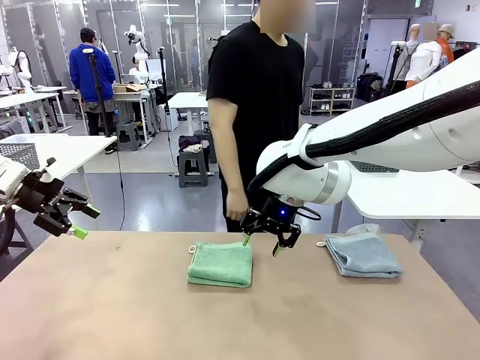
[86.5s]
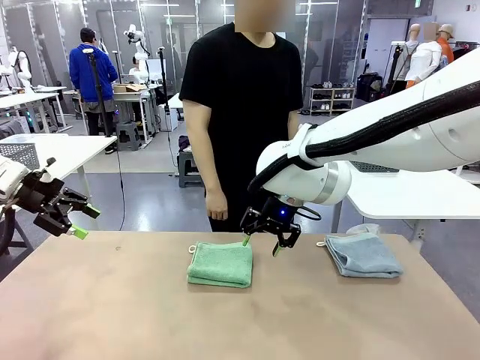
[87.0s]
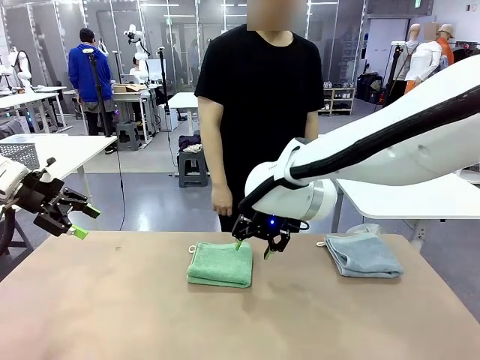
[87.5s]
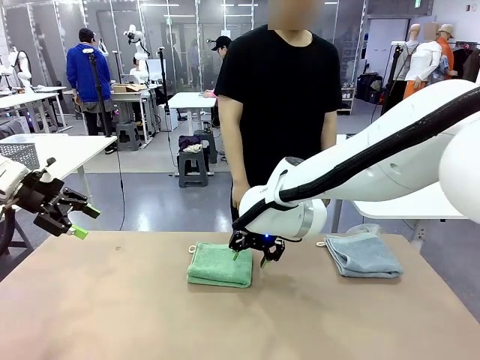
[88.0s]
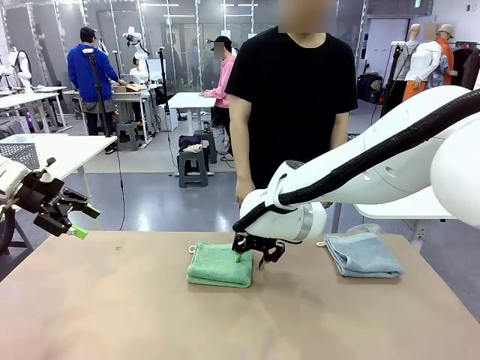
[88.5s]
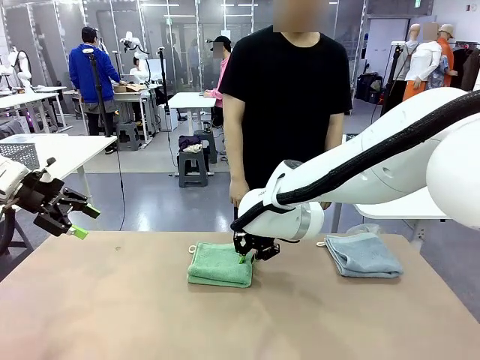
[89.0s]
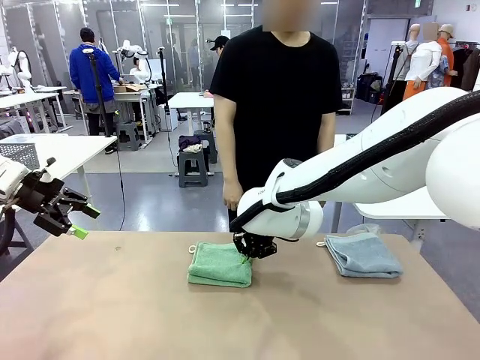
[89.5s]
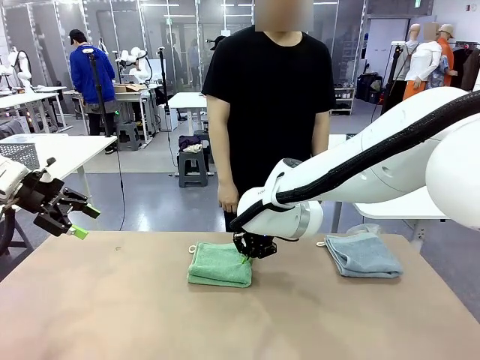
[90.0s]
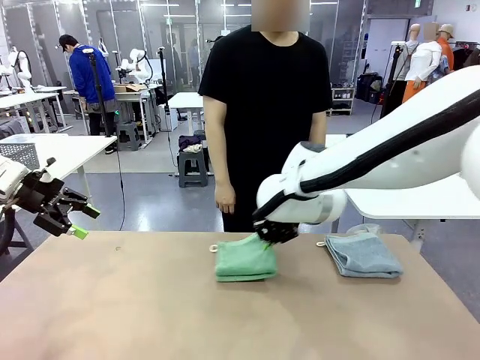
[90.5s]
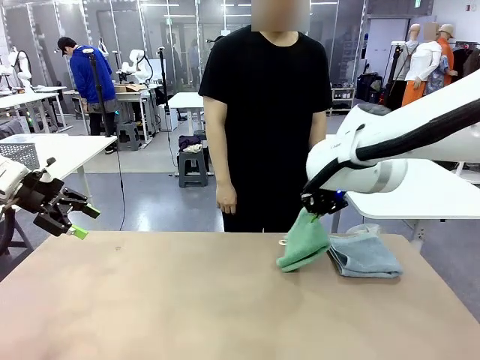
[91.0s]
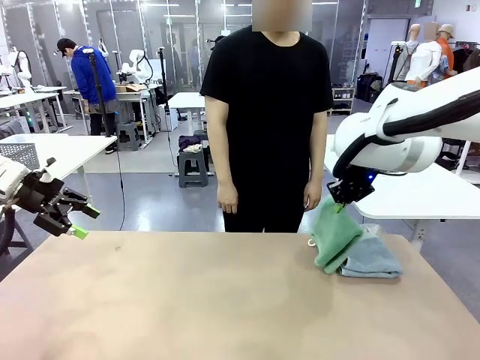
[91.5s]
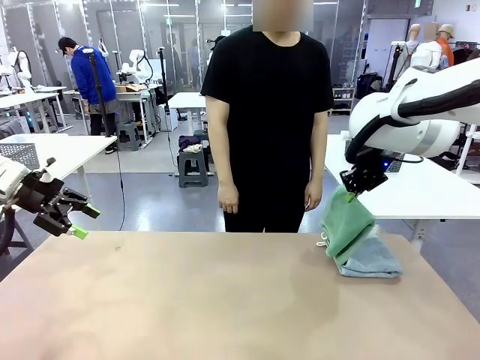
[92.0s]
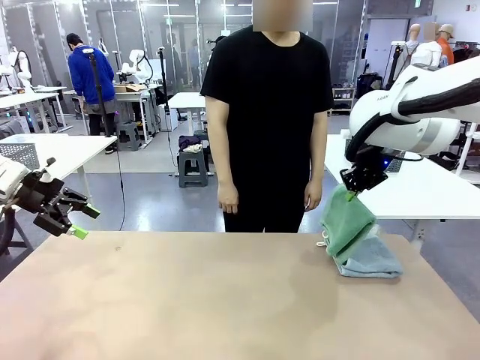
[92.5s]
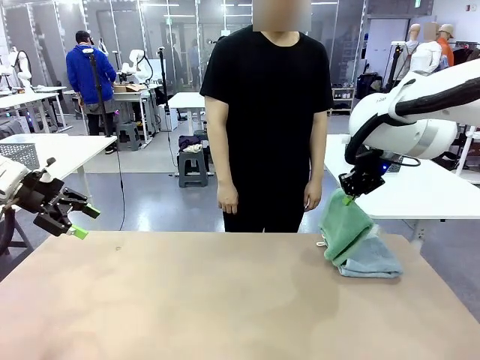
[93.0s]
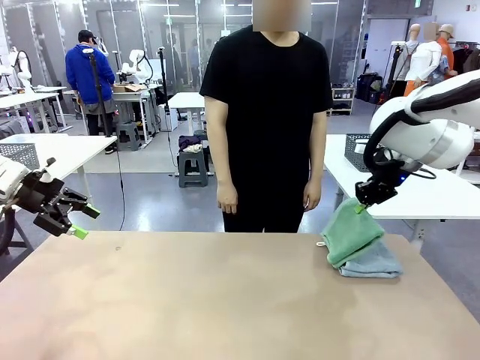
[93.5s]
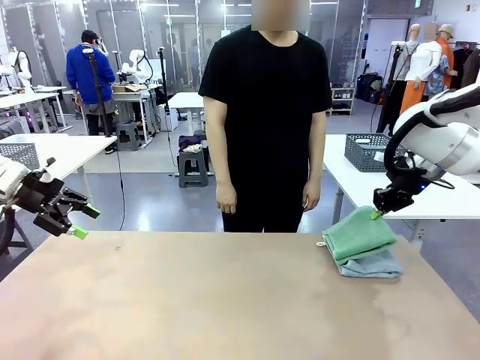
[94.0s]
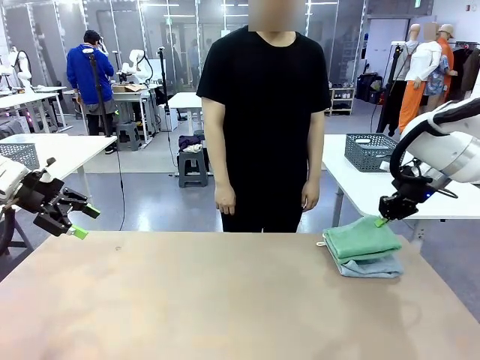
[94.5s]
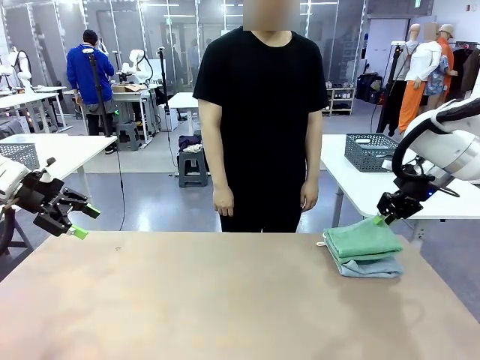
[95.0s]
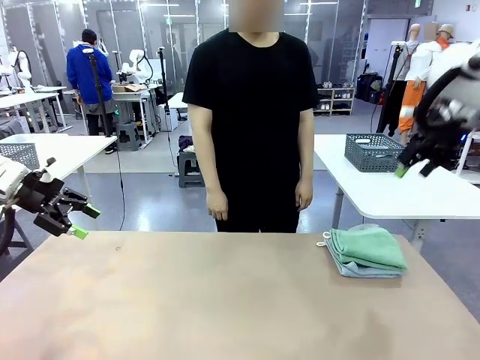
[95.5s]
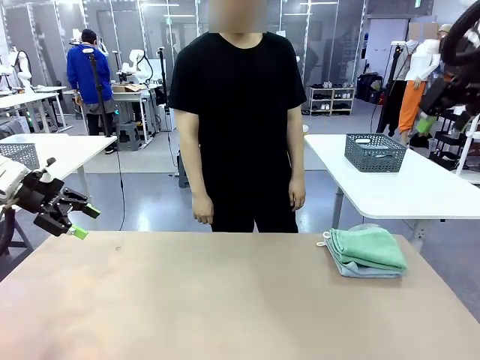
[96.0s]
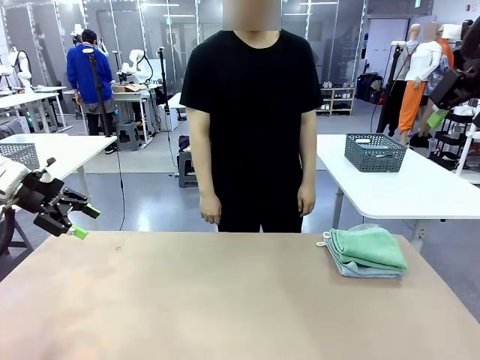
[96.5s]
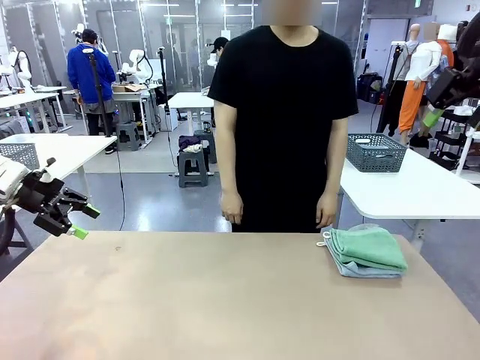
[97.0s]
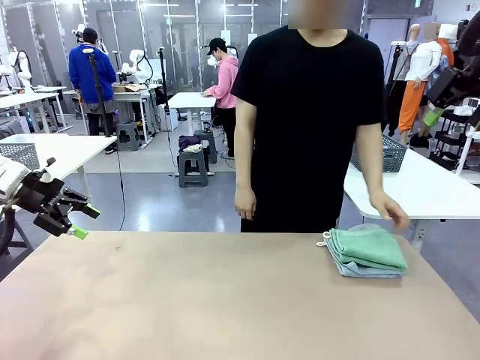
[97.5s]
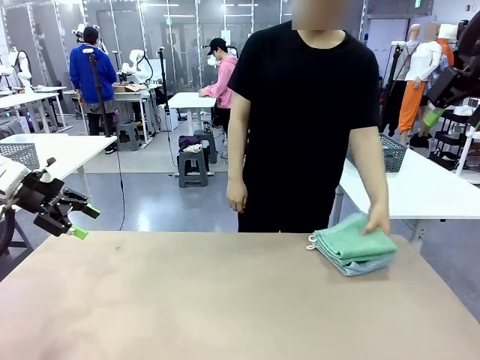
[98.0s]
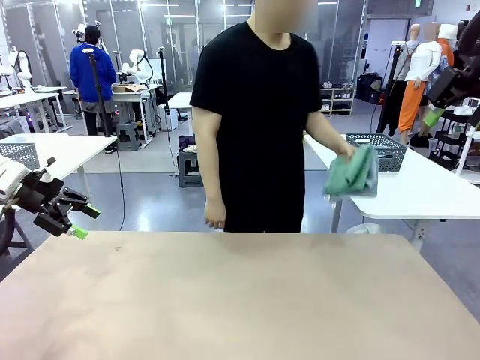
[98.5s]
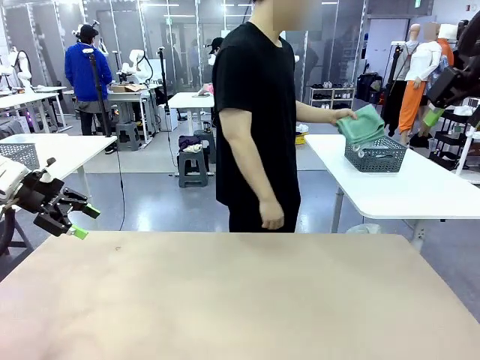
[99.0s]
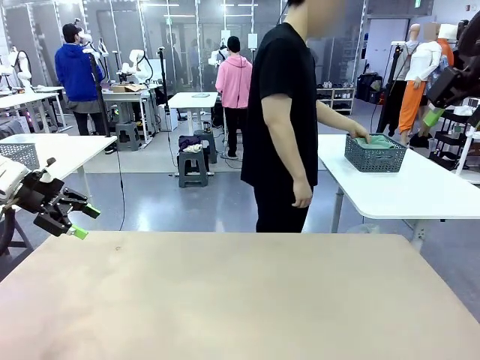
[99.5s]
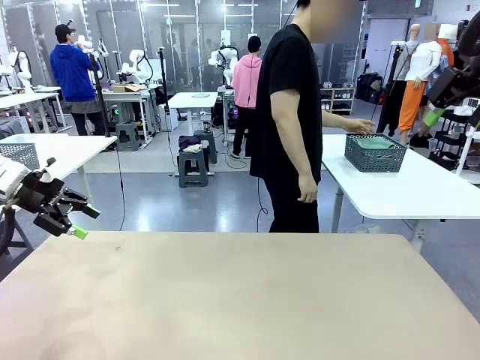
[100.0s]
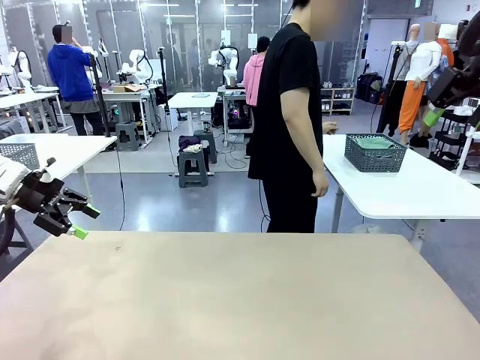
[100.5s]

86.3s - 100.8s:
Task: Fold the towels and place them in the basket.
Robot: Stack the folded Towel with hook on the right side of the table.
Person: Pick up the stack of towels from the robot table and place it into the basket.

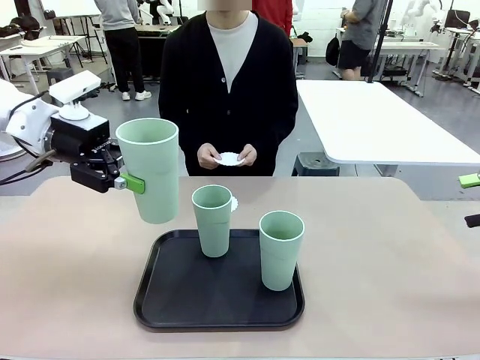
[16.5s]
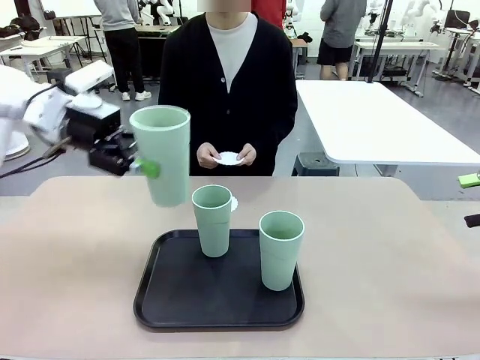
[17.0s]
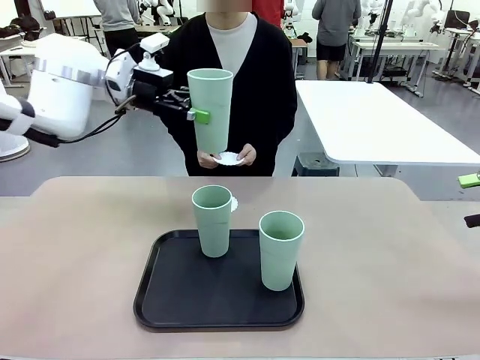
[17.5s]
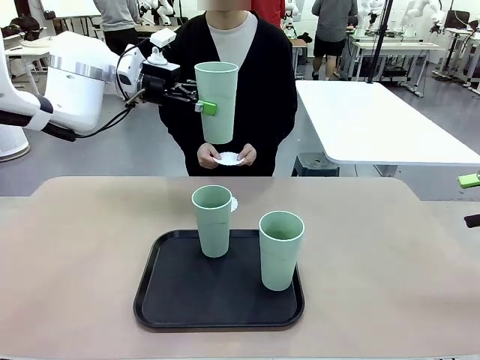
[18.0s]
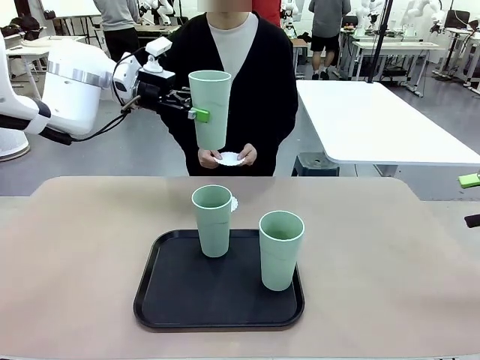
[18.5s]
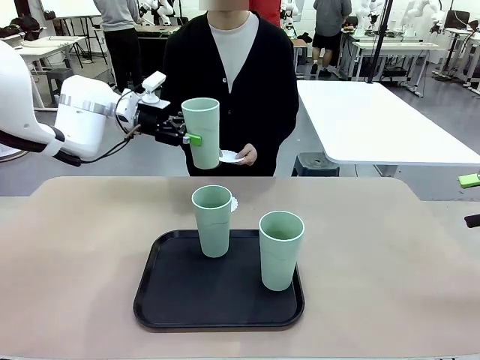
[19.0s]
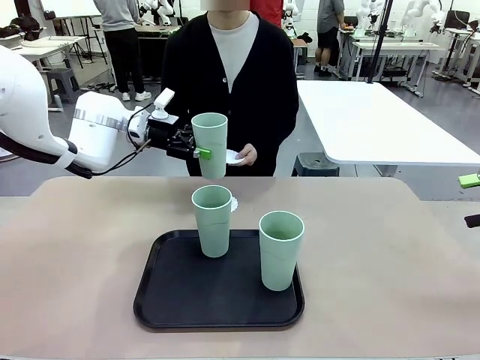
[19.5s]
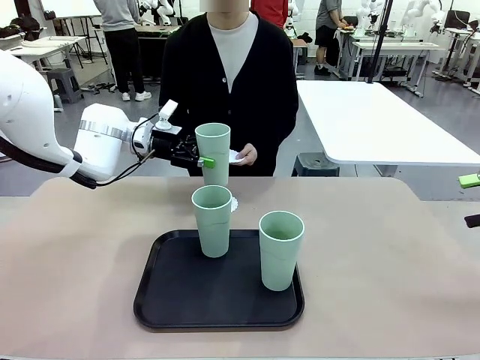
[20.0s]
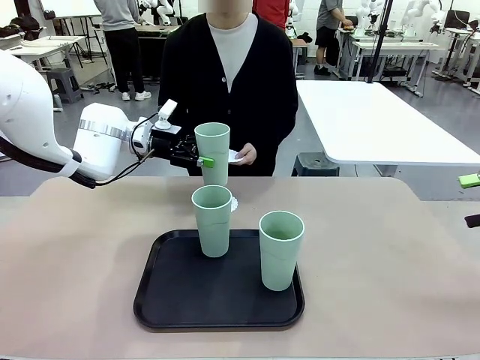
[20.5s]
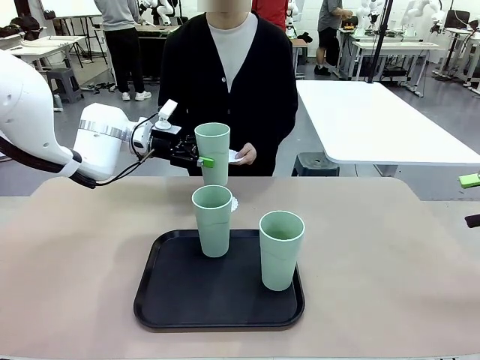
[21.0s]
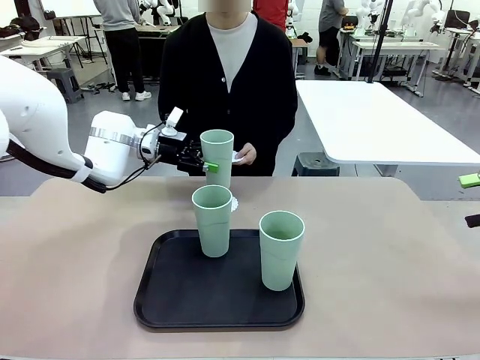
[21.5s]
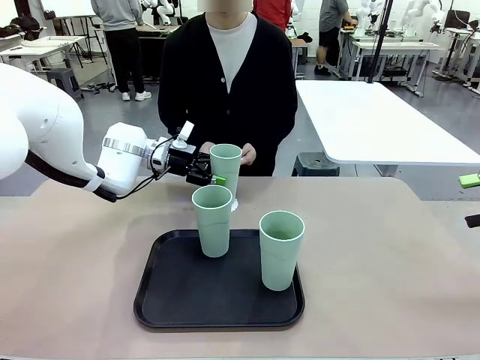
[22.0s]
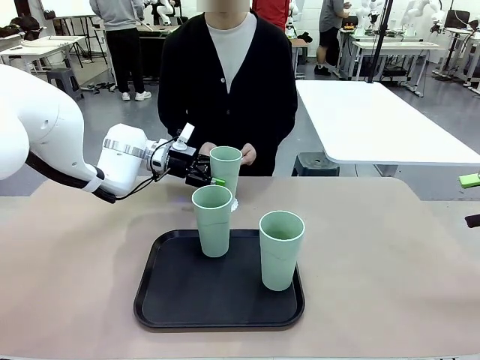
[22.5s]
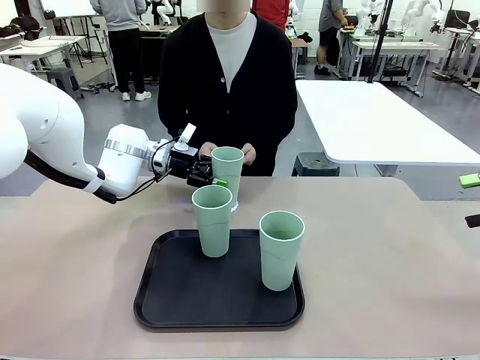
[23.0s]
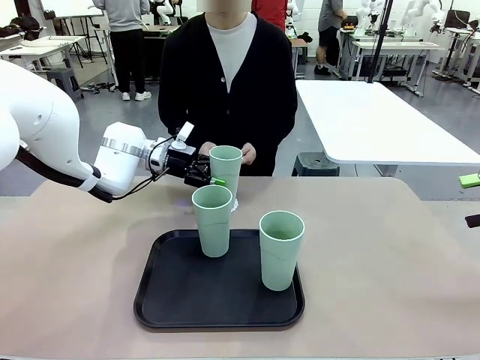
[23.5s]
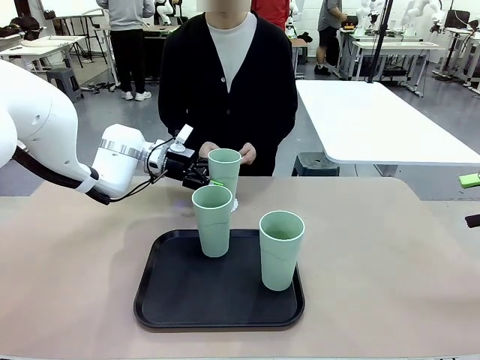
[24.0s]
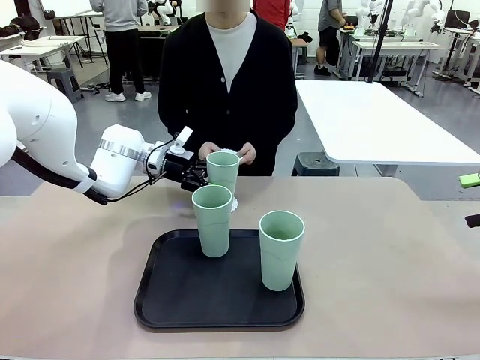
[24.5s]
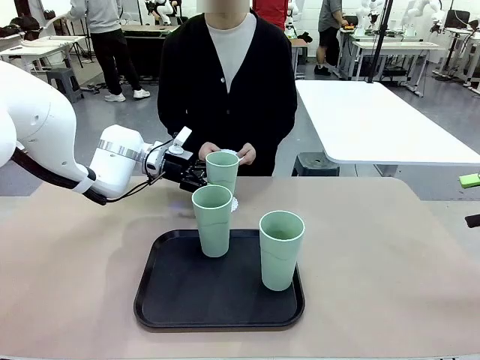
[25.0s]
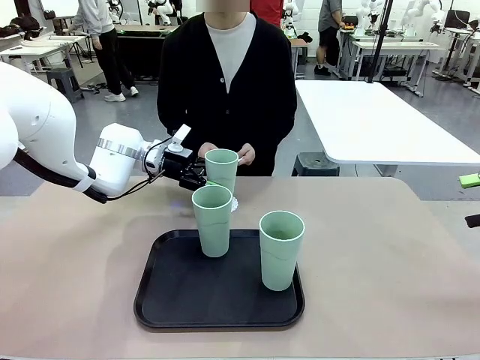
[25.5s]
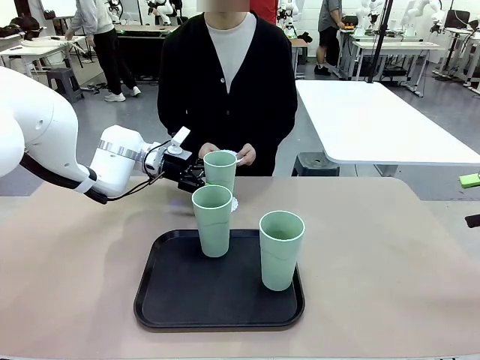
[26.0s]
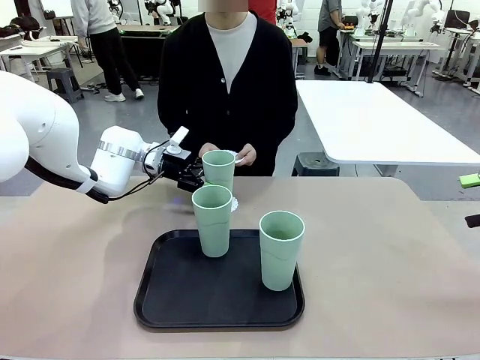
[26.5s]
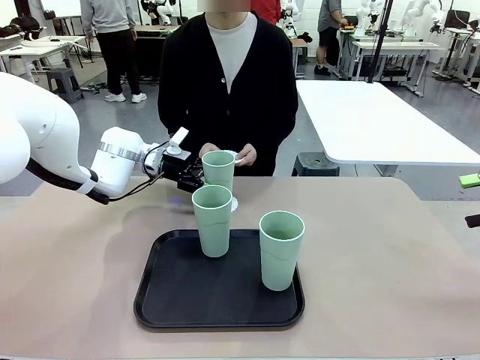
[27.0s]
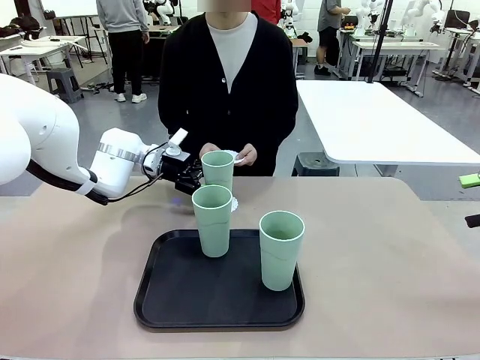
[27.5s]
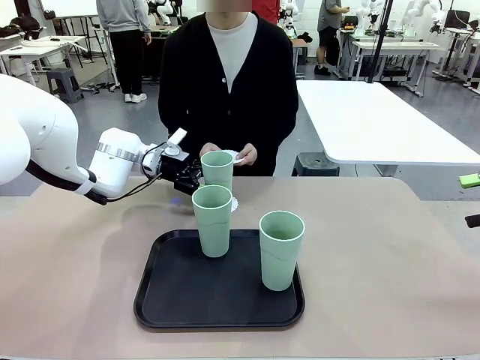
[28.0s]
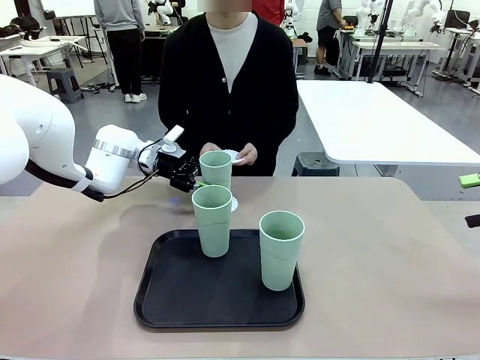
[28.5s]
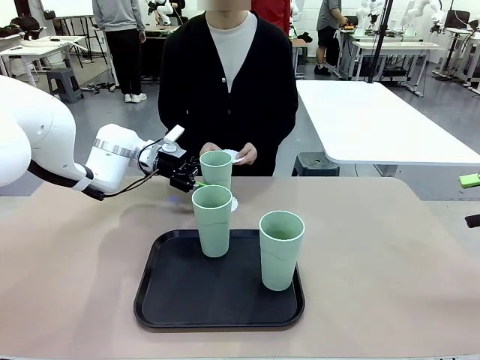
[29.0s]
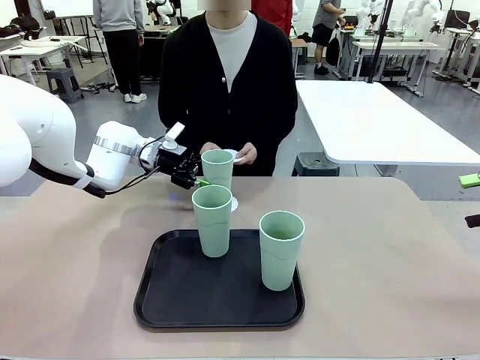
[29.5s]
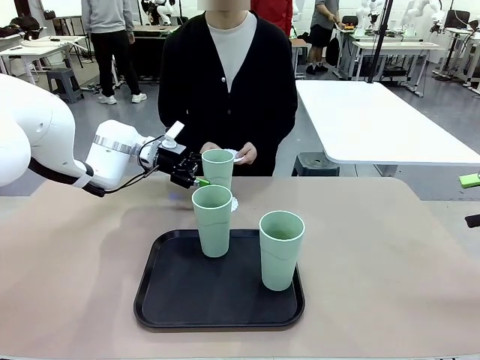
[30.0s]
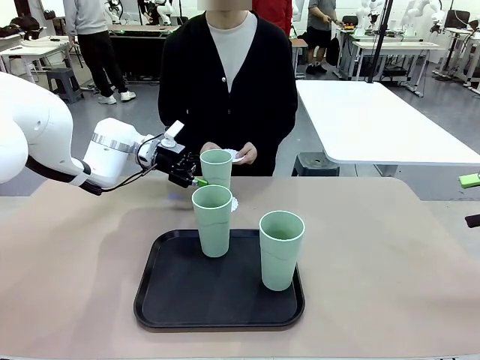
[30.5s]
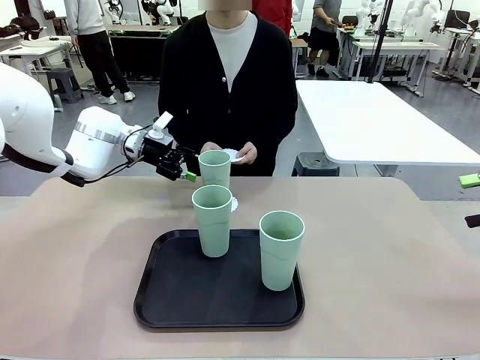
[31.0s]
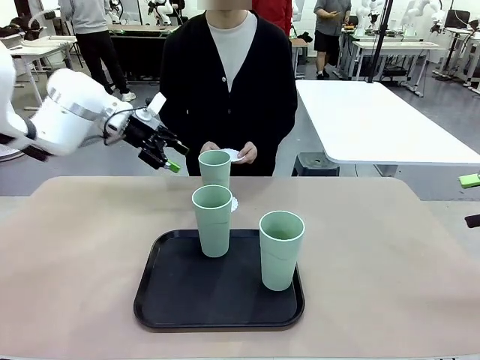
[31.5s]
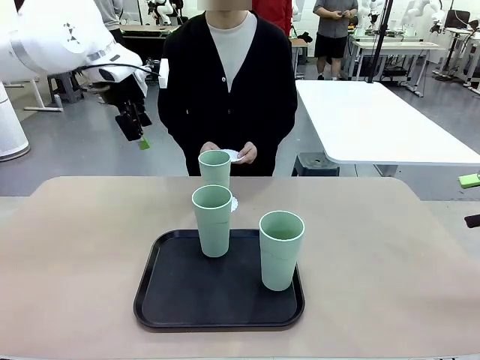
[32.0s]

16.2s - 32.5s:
Task: Place coasters on the table and set cups on them.
Robot: Pick up one Reusable plastic cup and place it on a coaster set by the human.
Person: Place one coaster in one of the two areas excluding the previously selected area.
